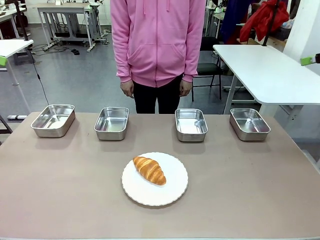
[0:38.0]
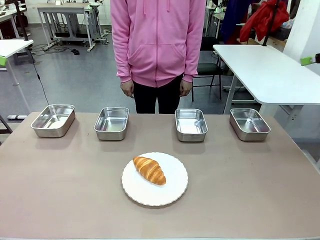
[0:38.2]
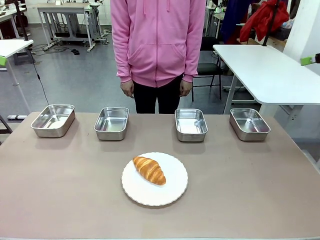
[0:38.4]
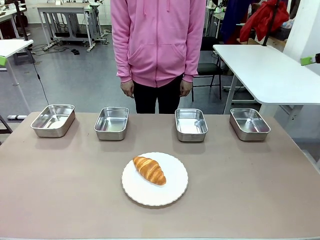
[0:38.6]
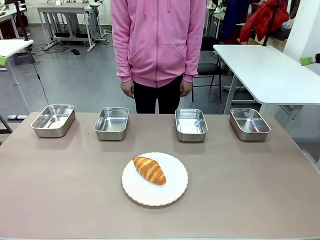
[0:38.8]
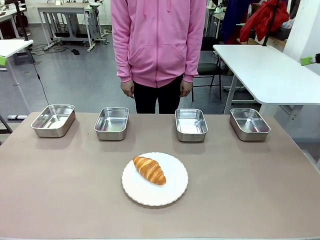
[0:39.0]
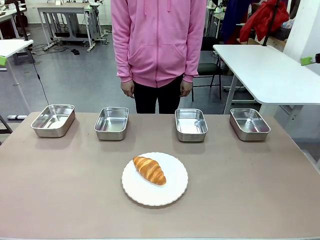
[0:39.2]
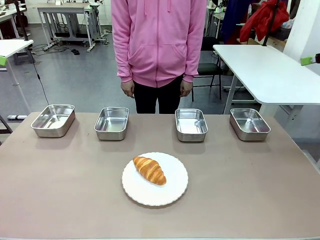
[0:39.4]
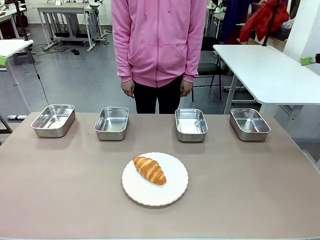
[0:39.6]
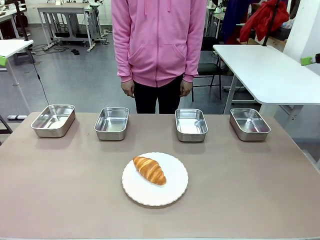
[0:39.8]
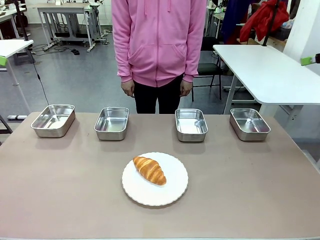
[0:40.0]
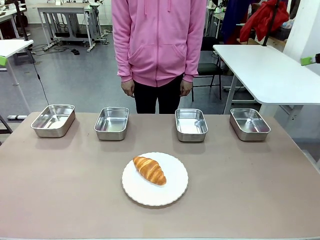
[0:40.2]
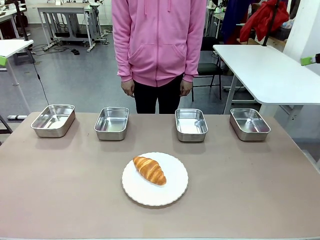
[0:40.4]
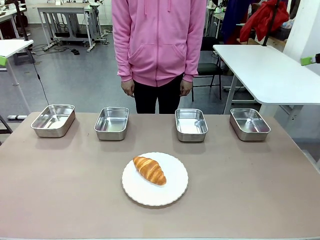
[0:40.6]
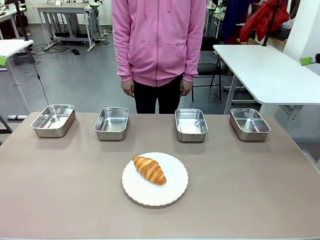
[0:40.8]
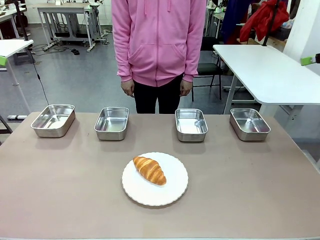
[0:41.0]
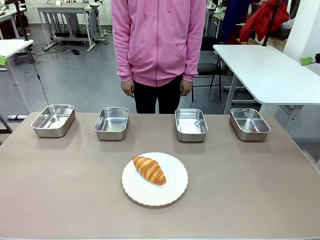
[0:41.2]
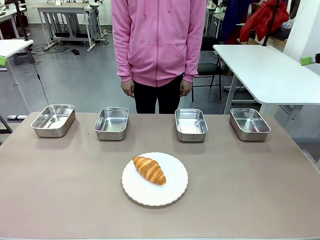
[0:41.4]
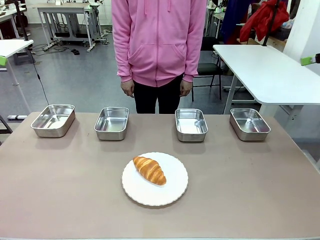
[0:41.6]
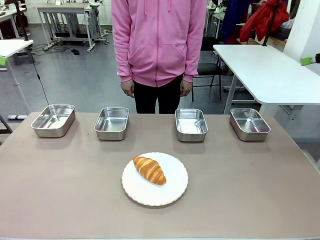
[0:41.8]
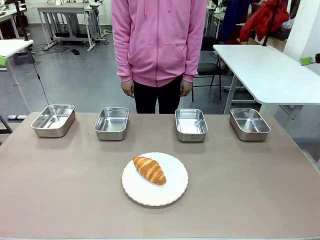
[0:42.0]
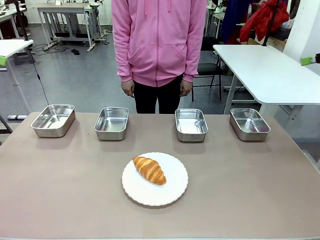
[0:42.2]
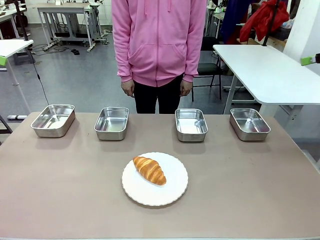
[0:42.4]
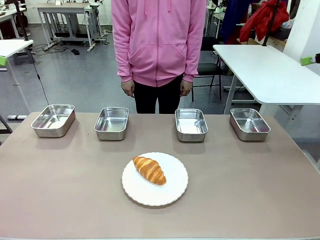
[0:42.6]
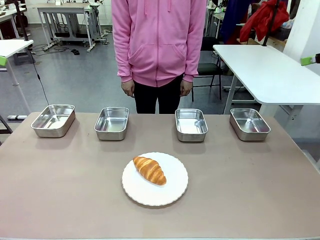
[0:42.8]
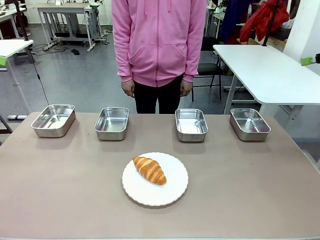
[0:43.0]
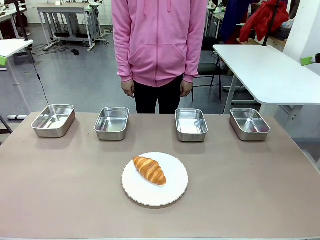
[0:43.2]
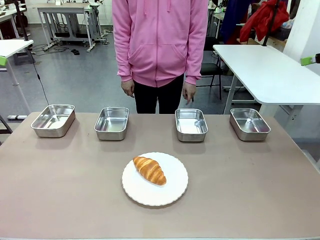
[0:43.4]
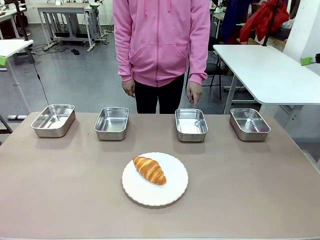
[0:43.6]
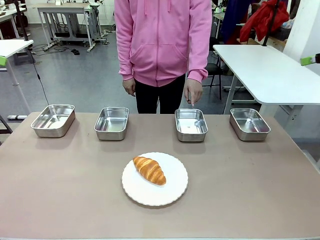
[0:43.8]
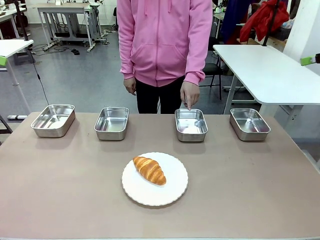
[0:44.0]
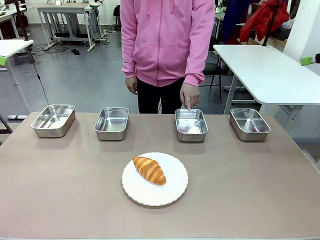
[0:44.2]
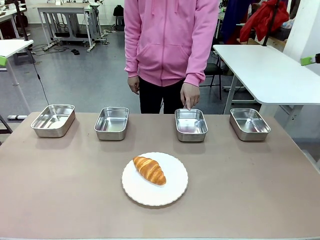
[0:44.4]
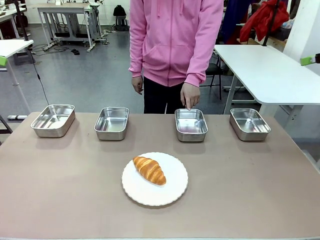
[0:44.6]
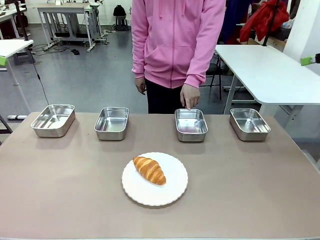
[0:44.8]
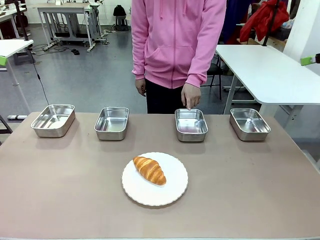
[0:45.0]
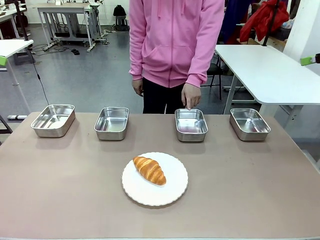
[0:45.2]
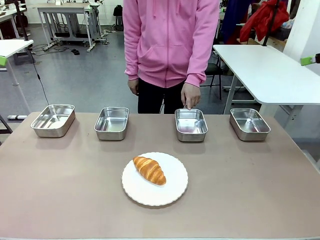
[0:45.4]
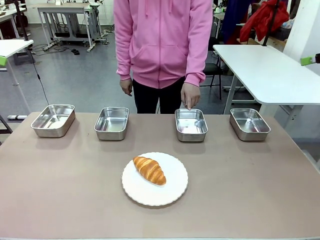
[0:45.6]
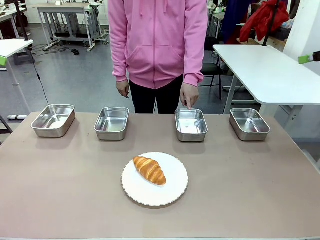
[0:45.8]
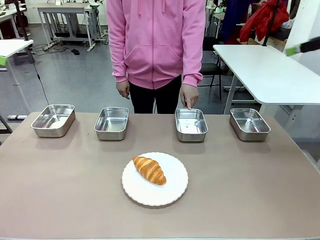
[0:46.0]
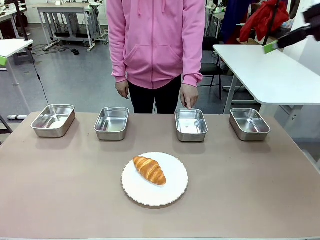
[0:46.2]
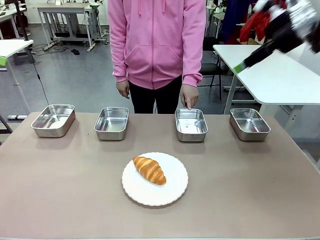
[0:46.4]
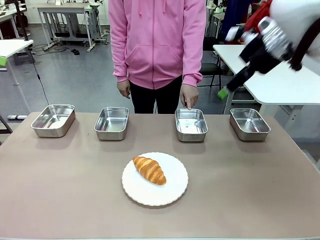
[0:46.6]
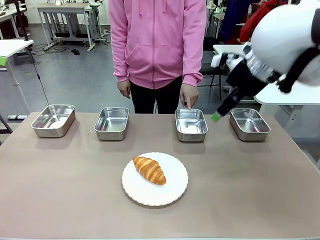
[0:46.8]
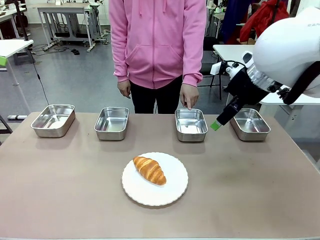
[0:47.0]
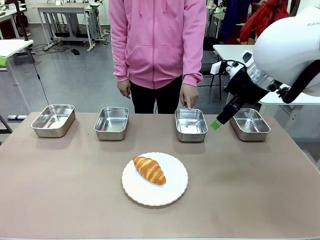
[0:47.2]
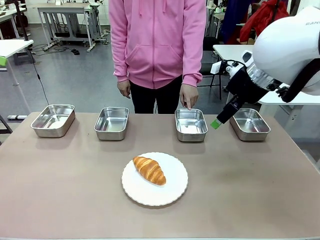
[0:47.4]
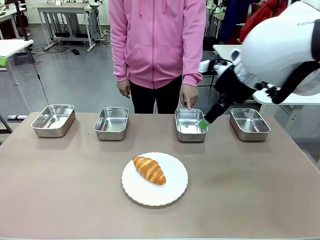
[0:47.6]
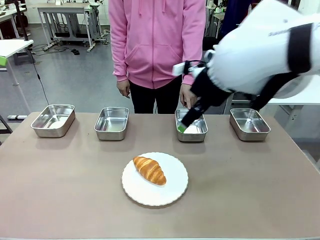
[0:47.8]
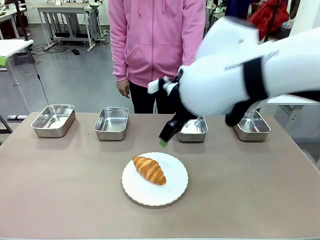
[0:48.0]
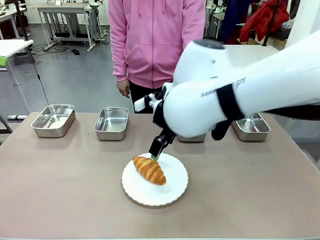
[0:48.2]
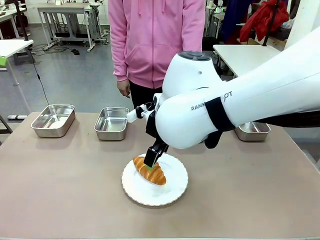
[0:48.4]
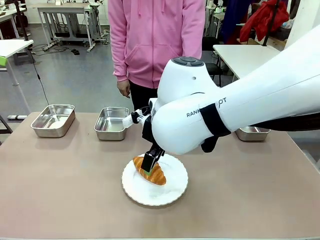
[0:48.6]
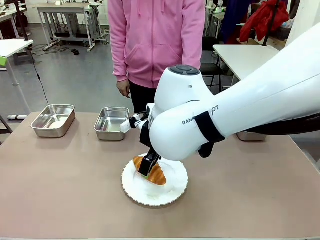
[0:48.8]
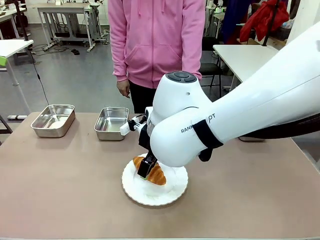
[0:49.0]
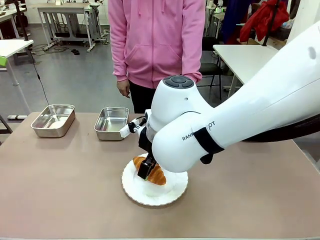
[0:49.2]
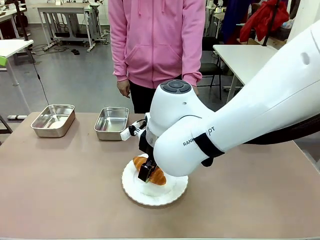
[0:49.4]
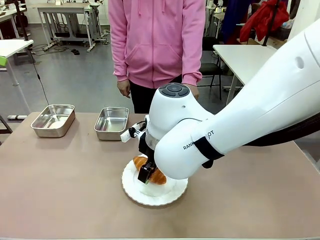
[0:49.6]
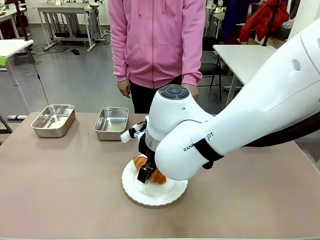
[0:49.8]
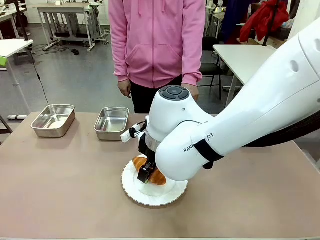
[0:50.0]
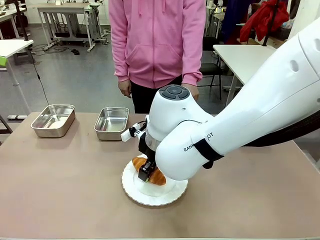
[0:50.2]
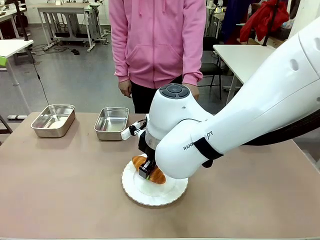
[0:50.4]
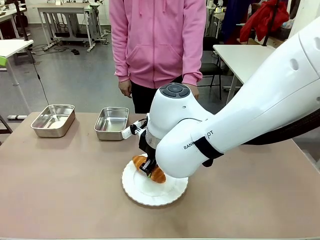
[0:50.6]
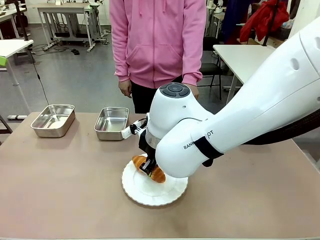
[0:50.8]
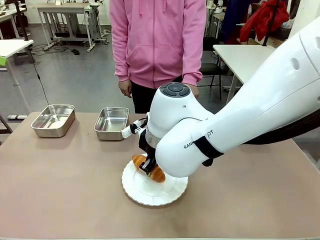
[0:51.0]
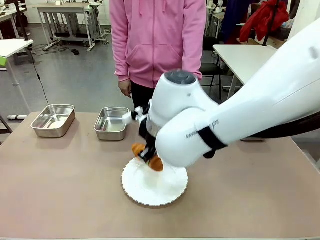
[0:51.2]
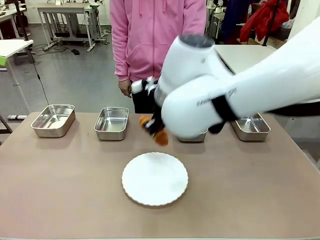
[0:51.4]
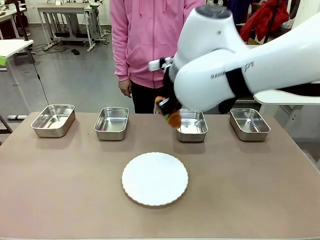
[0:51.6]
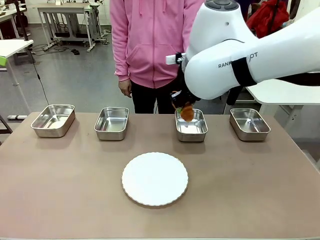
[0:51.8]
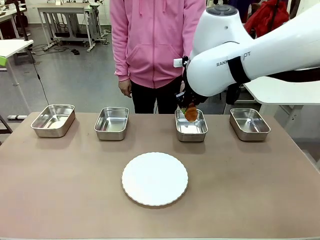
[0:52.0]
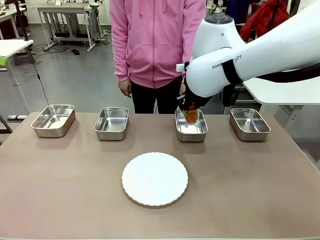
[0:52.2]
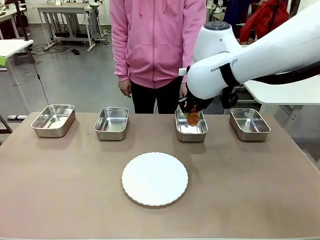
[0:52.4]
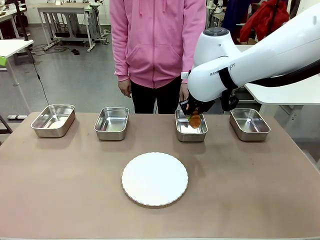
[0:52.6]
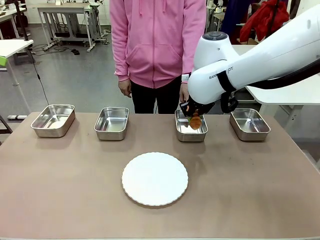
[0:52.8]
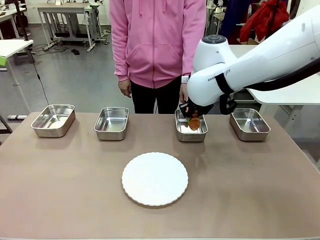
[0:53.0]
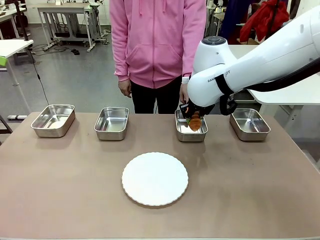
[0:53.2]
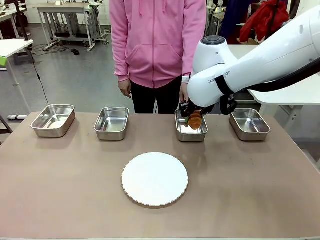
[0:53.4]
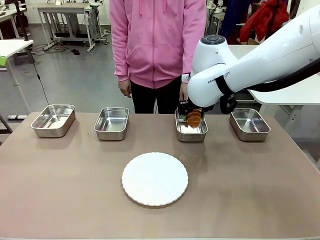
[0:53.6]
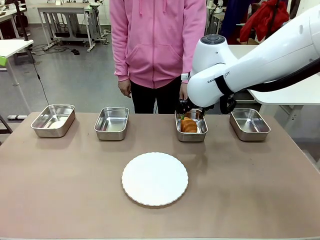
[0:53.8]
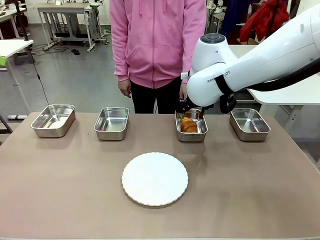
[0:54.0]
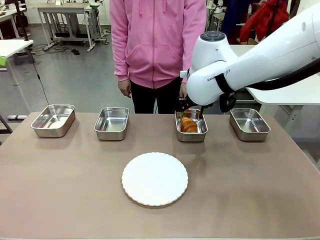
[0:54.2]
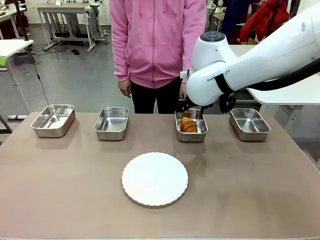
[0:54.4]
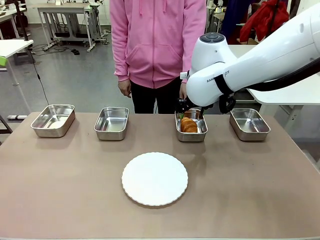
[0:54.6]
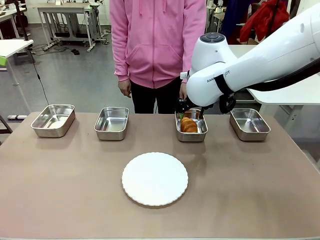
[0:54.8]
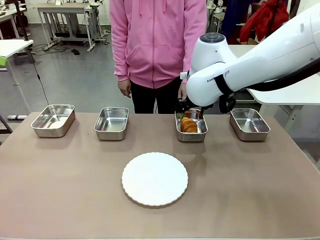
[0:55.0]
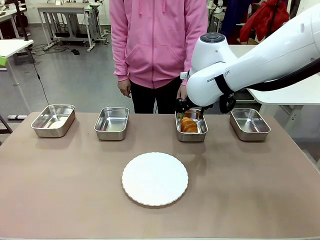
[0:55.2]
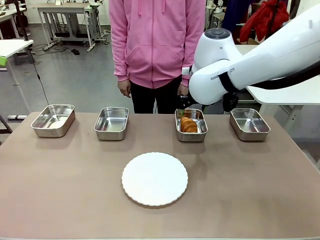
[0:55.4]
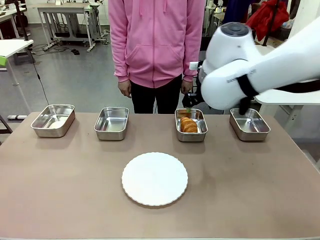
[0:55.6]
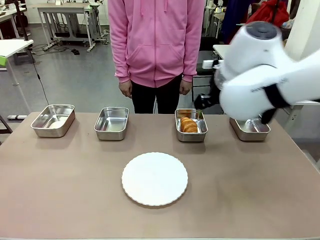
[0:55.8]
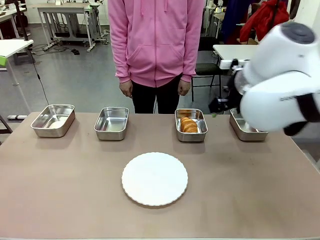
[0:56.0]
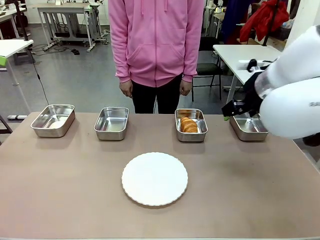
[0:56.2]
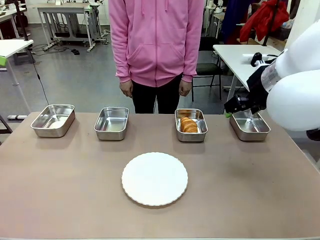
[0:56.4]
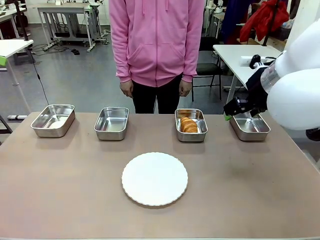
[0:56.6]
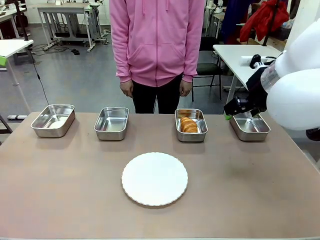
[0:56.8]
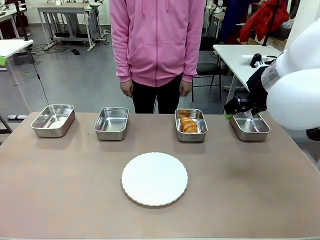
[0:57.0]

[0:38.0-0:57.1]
Task: Place the bread in the container.
Robot: Place the Butter Roll into the Airtight Container indicated by the human.
